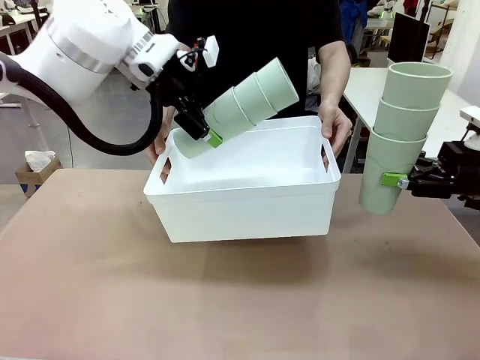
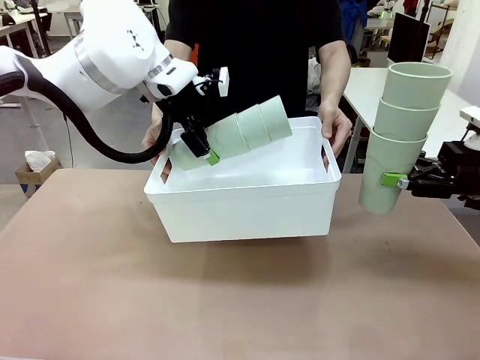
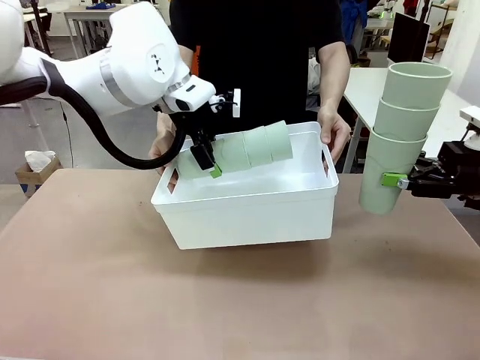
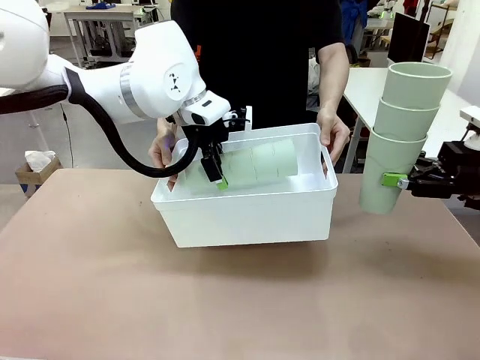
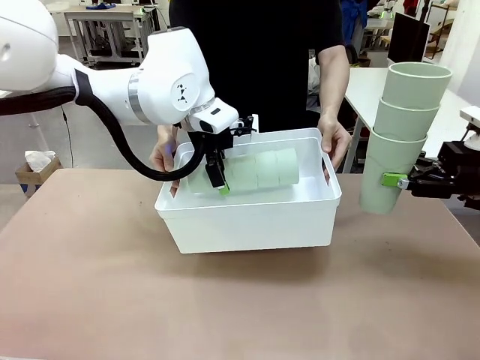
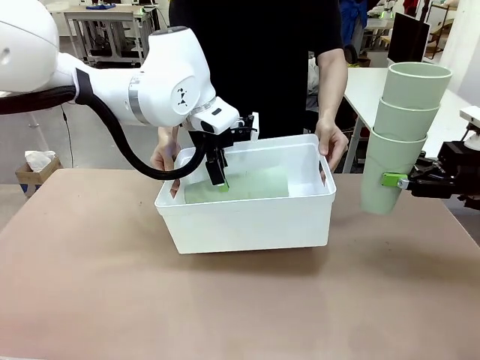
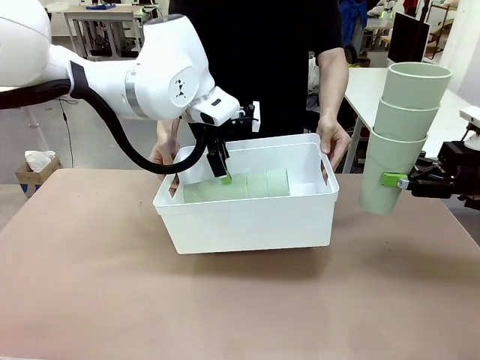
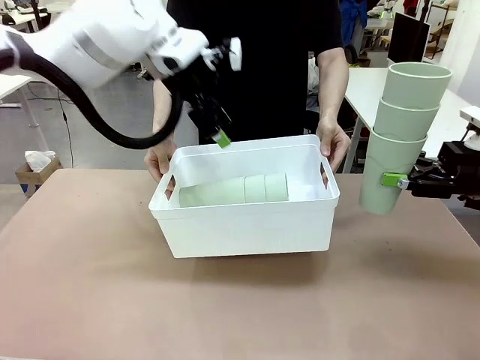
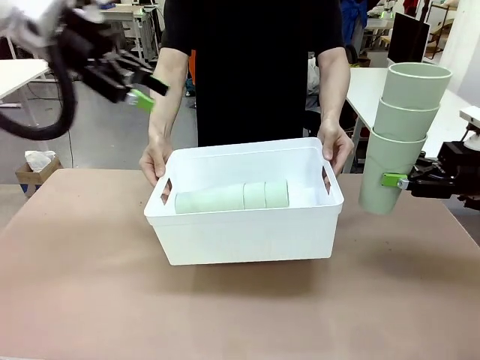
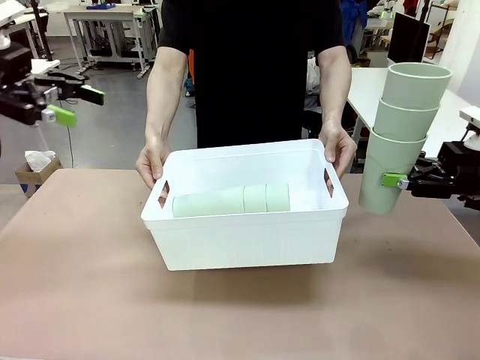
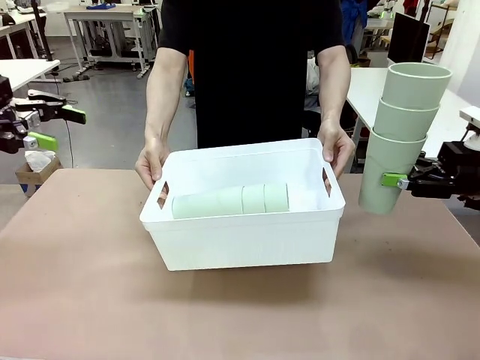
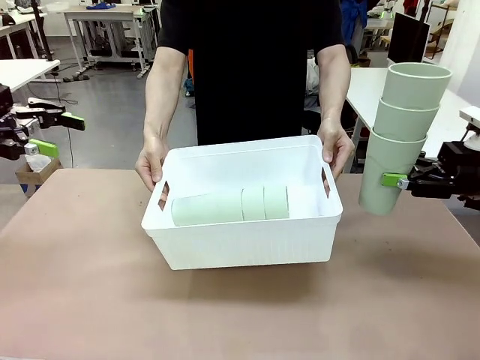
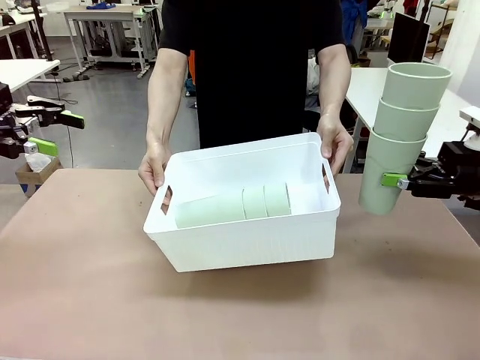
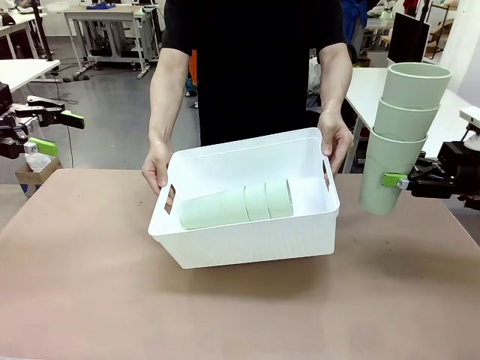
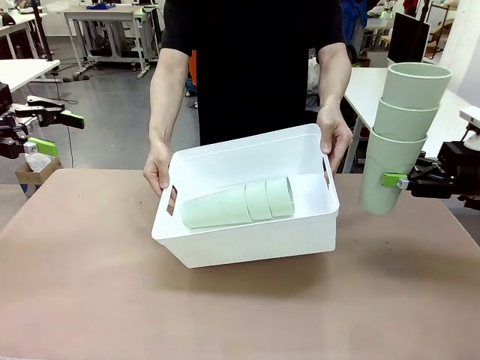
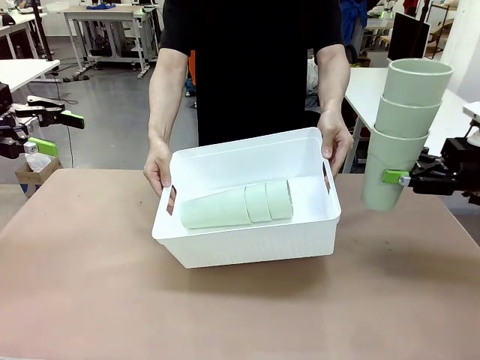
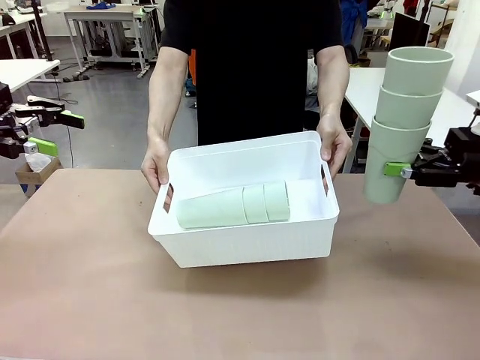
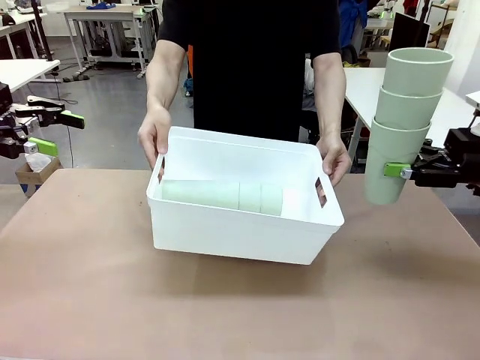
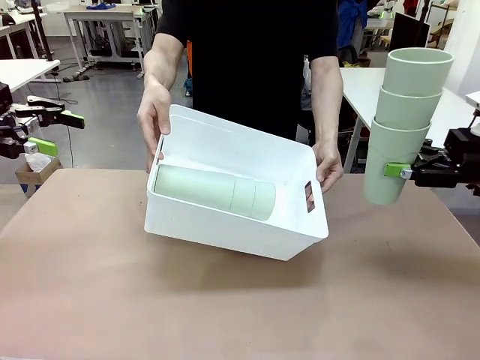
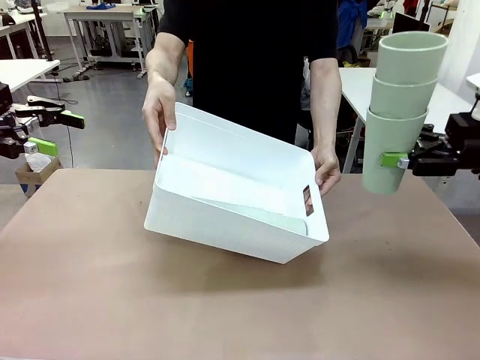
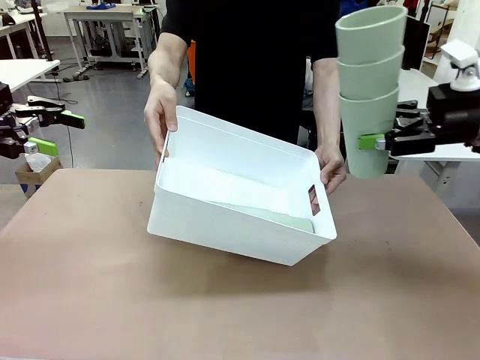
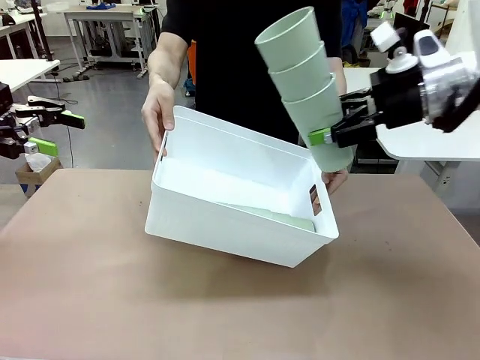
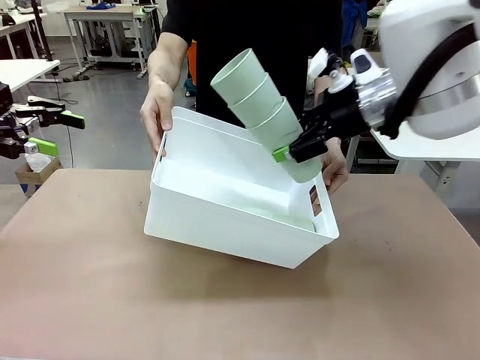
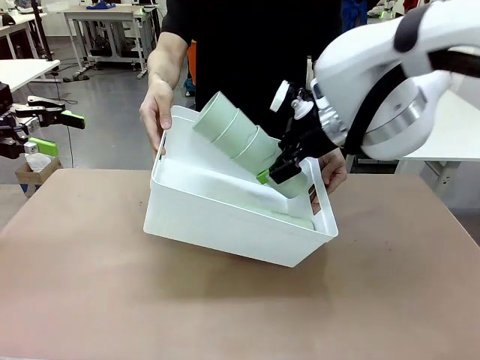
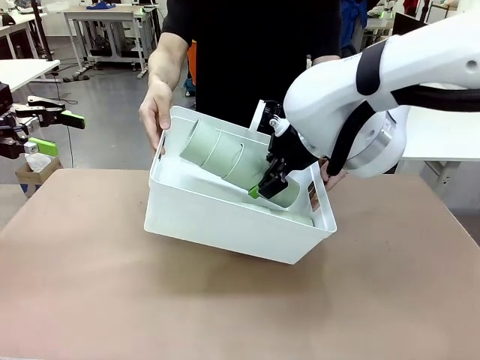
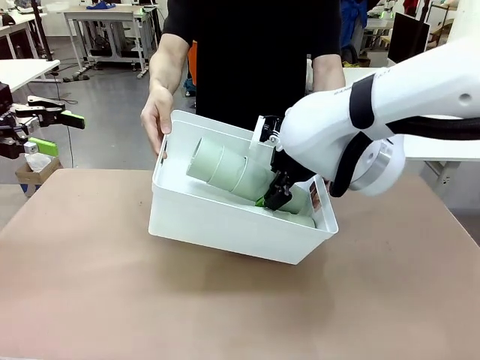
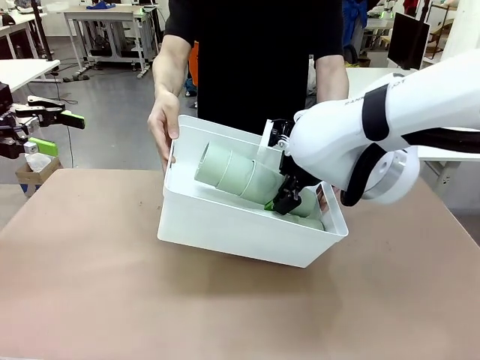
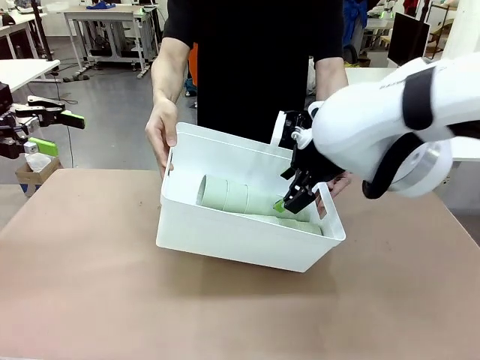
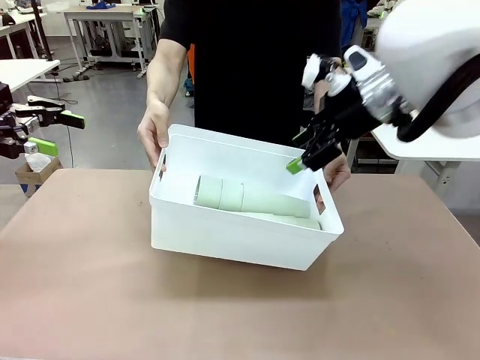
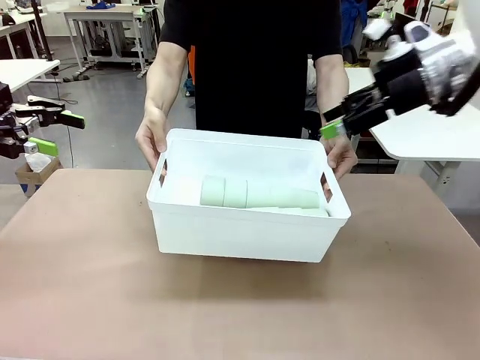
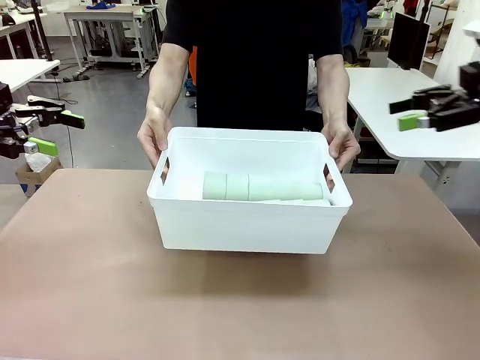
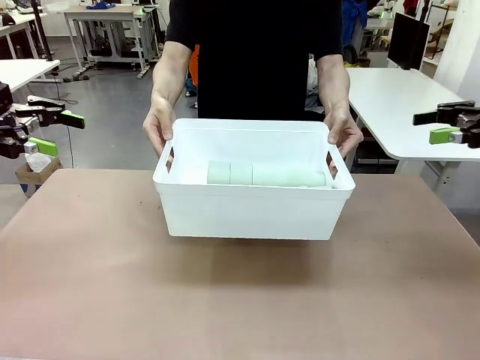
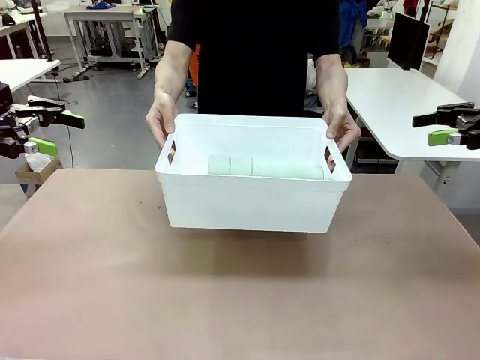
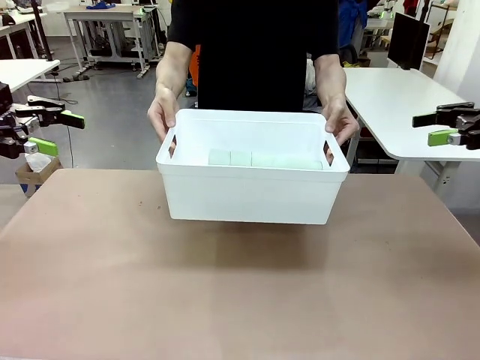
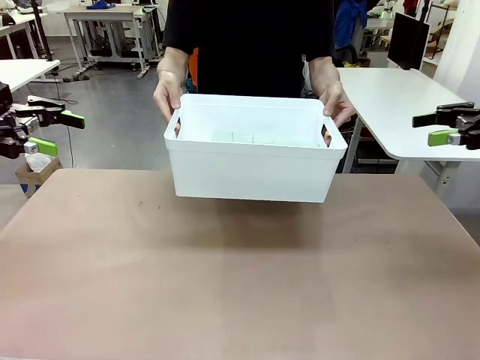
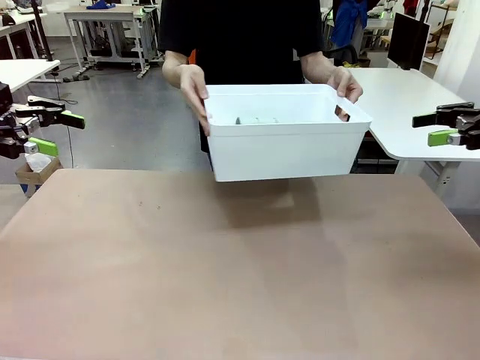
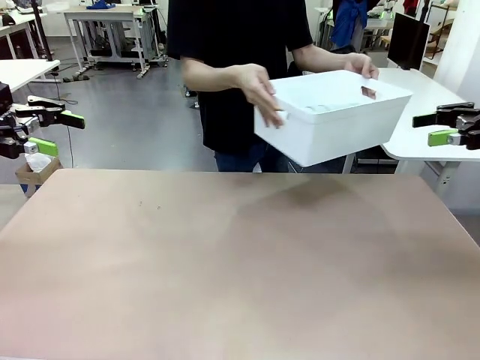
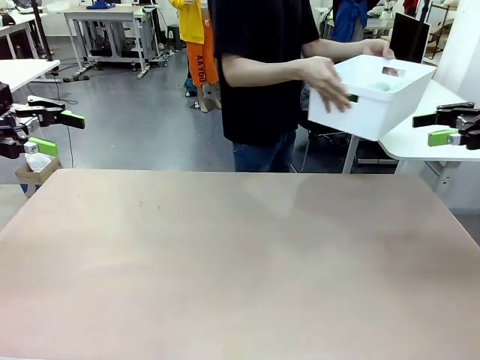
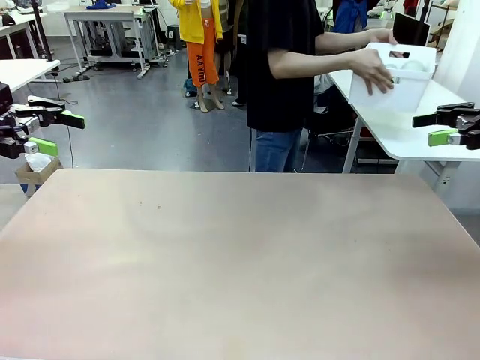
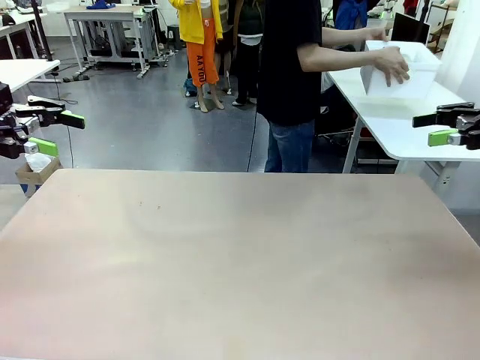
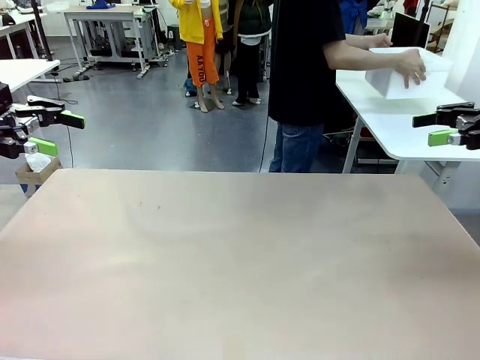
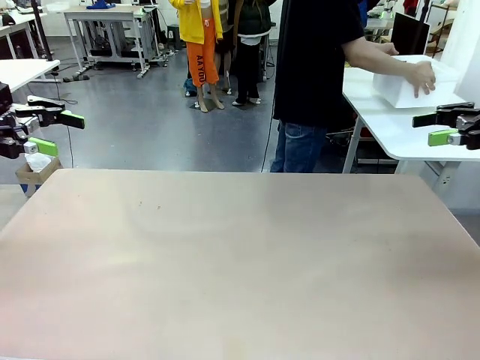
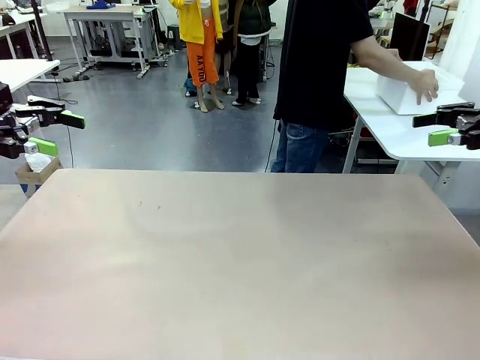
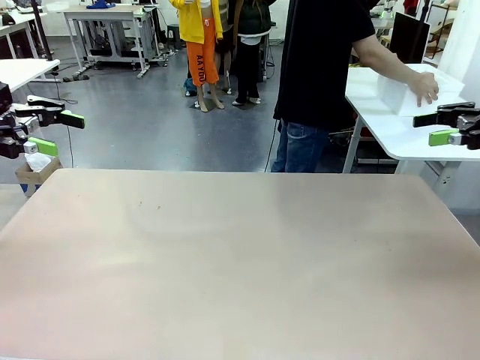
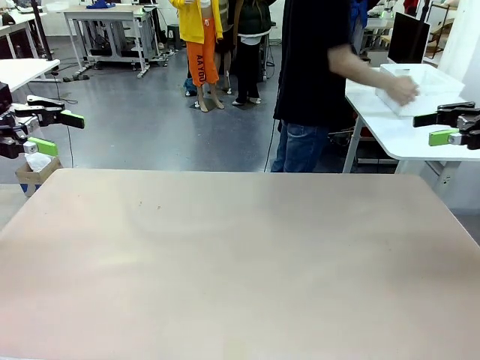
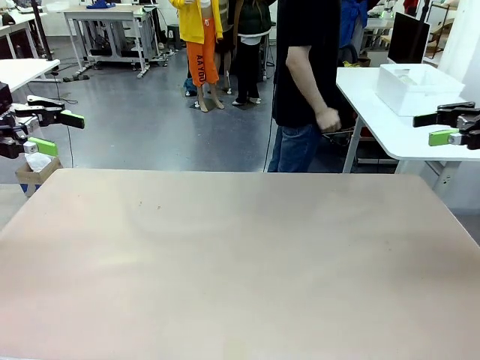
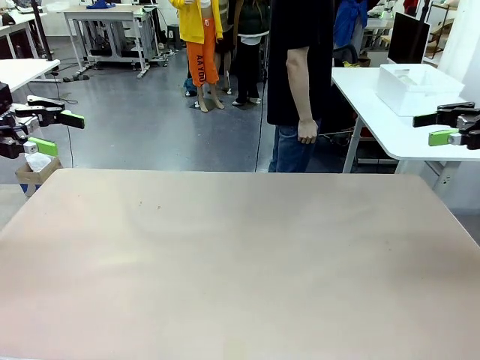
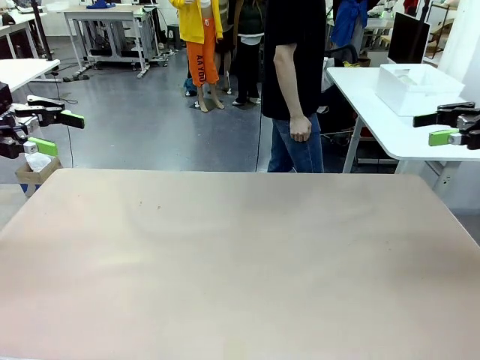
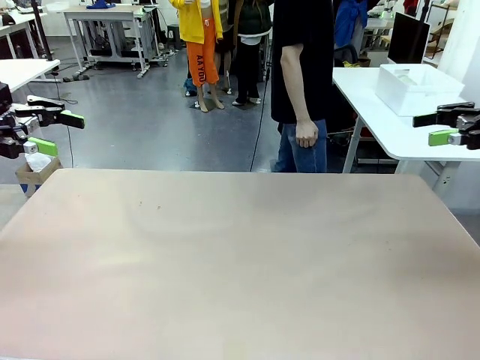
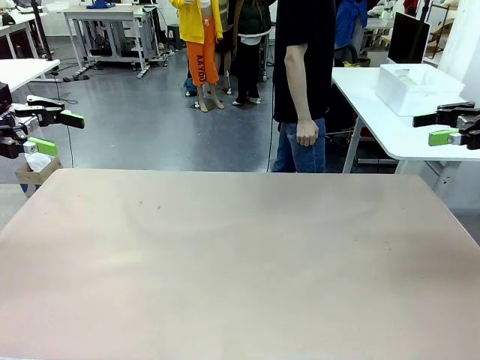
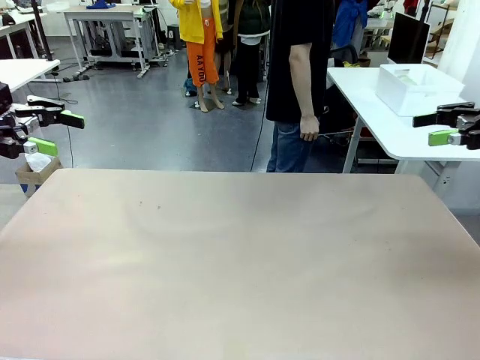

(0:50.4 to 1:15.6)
Task: Stack the cups and store them in the basket.
Robot: Place the stack of Reusable plastic cups into the Pantry Basket.
Person: Place the basket containing the cups in the middle of the Human Table.
